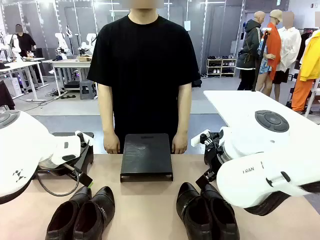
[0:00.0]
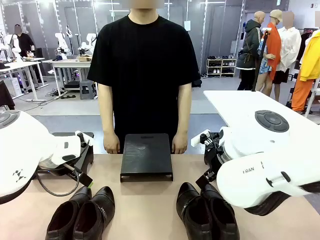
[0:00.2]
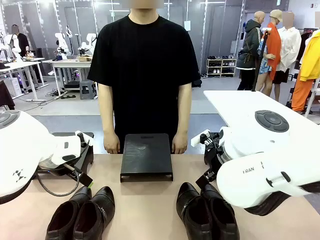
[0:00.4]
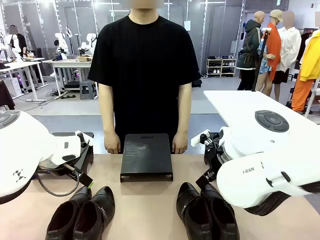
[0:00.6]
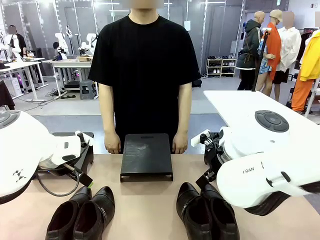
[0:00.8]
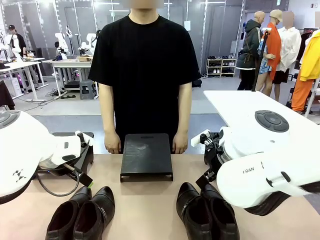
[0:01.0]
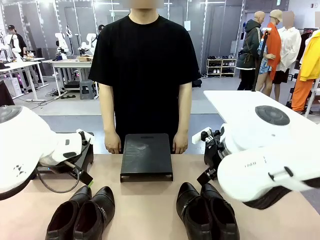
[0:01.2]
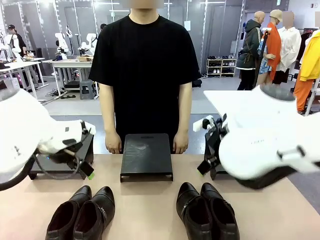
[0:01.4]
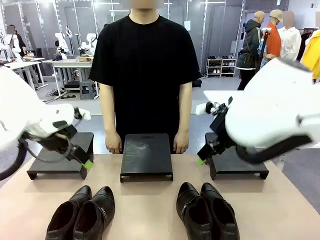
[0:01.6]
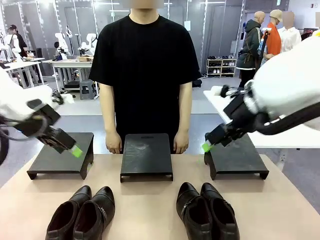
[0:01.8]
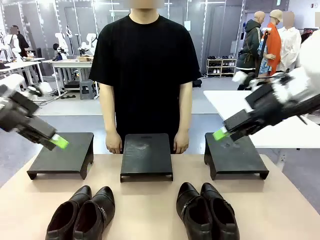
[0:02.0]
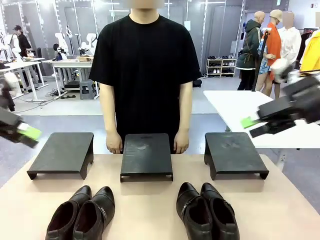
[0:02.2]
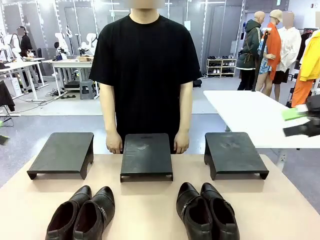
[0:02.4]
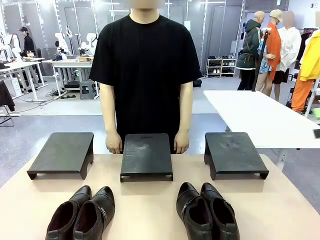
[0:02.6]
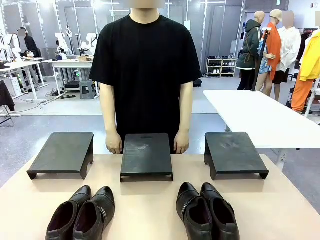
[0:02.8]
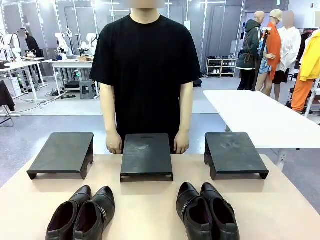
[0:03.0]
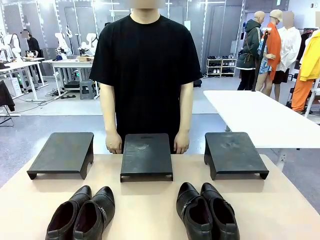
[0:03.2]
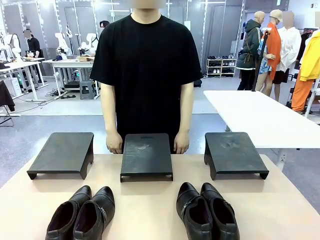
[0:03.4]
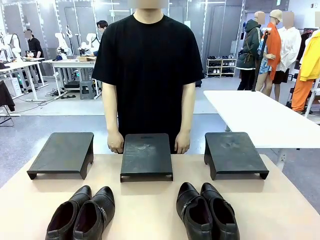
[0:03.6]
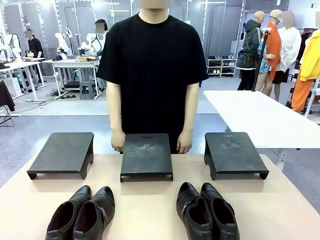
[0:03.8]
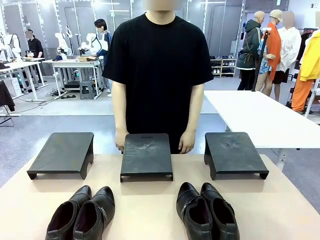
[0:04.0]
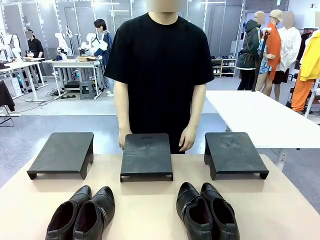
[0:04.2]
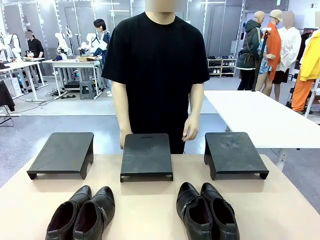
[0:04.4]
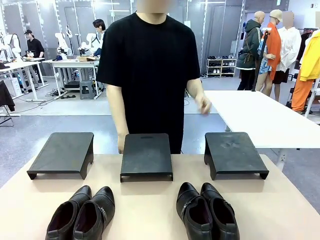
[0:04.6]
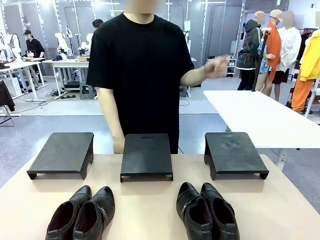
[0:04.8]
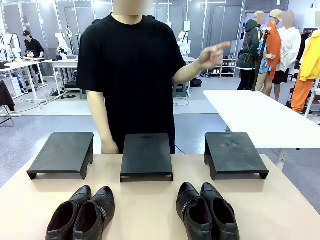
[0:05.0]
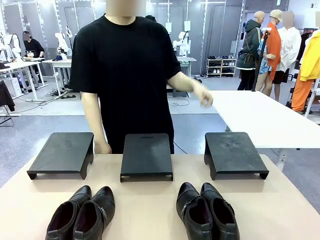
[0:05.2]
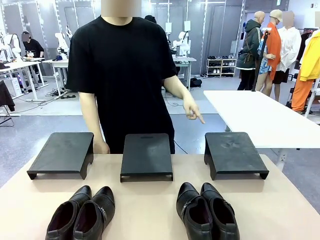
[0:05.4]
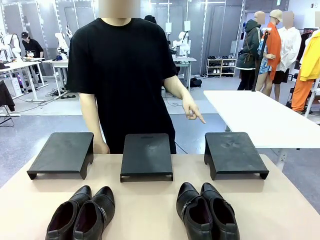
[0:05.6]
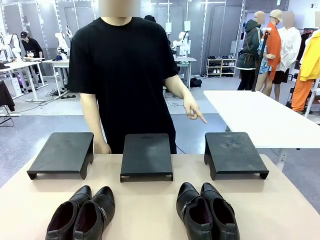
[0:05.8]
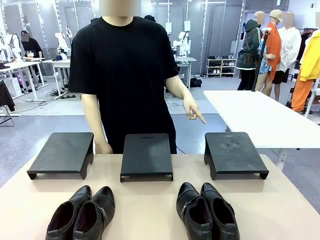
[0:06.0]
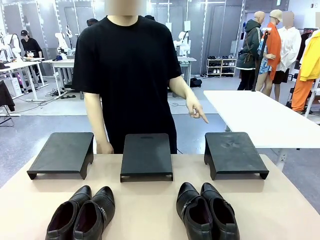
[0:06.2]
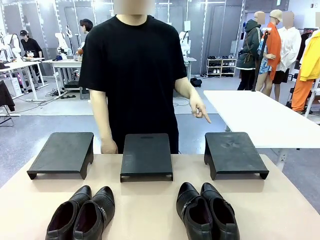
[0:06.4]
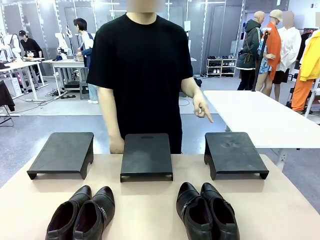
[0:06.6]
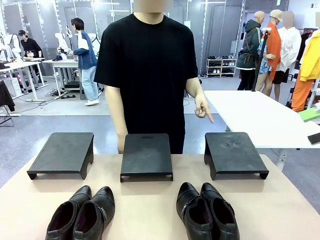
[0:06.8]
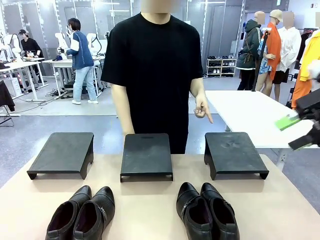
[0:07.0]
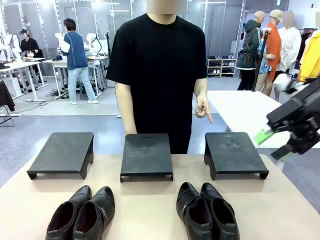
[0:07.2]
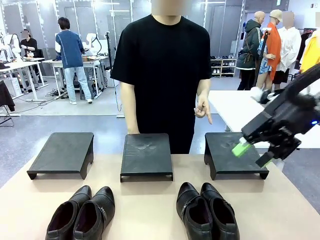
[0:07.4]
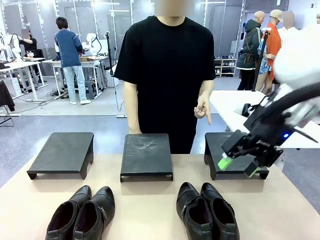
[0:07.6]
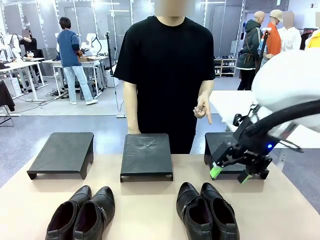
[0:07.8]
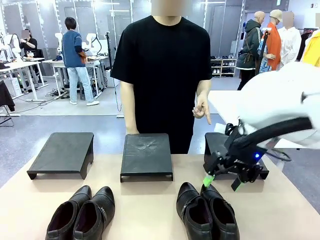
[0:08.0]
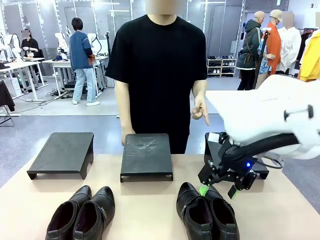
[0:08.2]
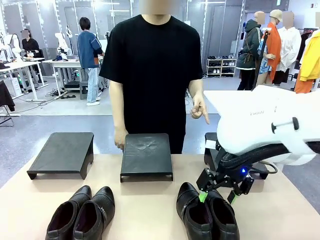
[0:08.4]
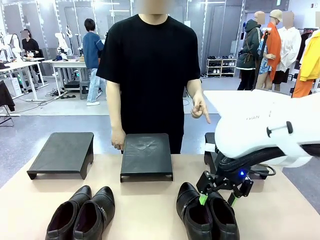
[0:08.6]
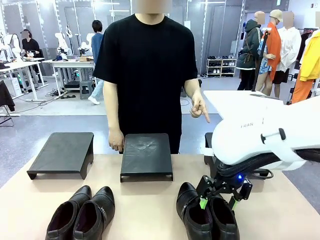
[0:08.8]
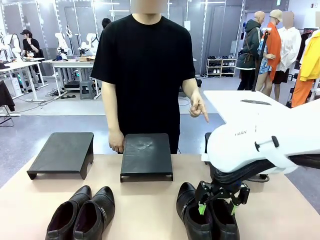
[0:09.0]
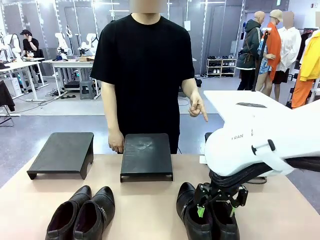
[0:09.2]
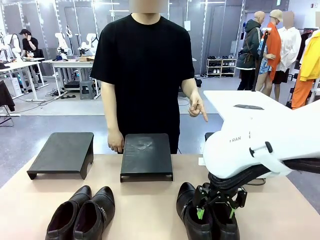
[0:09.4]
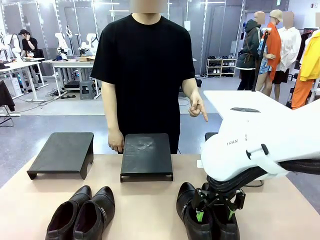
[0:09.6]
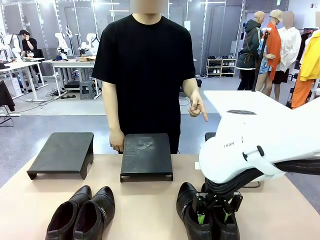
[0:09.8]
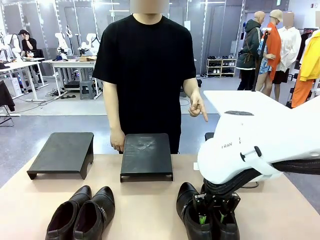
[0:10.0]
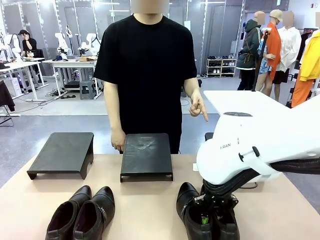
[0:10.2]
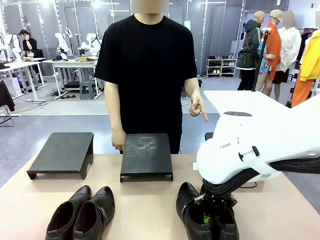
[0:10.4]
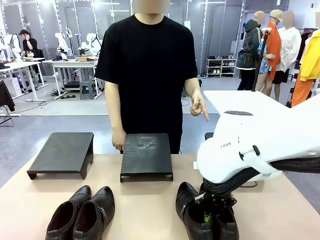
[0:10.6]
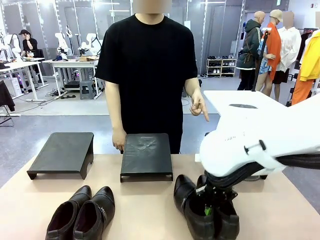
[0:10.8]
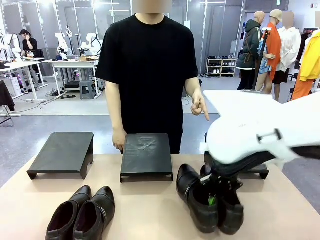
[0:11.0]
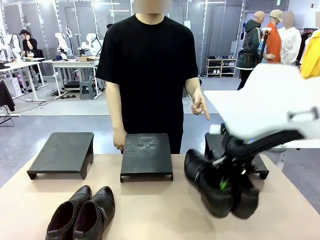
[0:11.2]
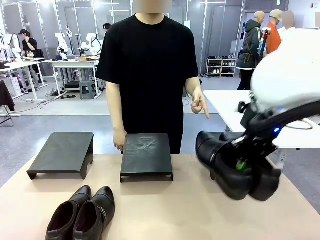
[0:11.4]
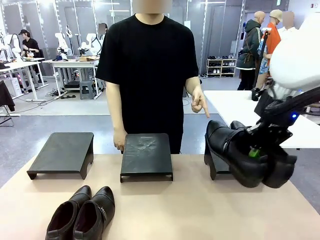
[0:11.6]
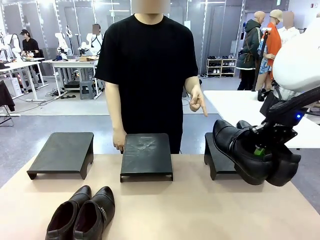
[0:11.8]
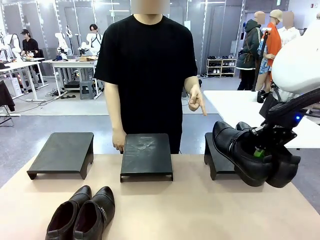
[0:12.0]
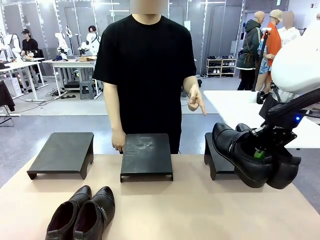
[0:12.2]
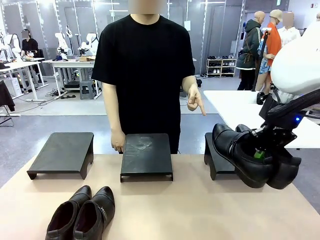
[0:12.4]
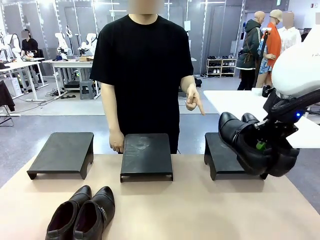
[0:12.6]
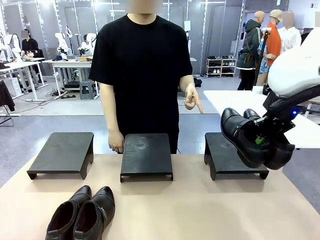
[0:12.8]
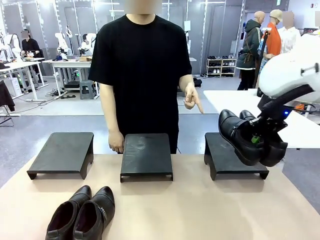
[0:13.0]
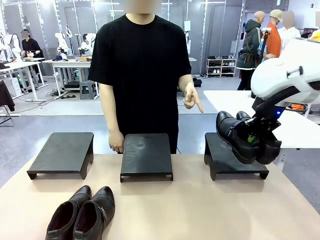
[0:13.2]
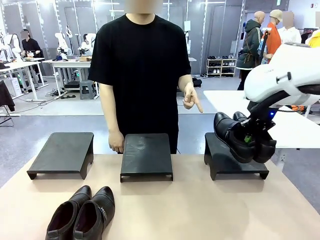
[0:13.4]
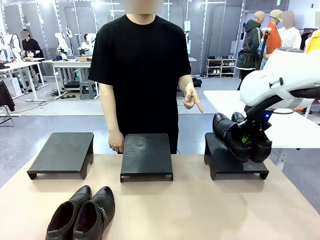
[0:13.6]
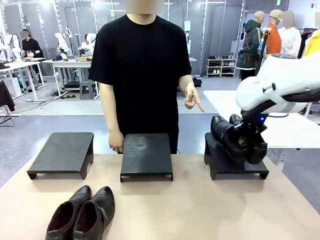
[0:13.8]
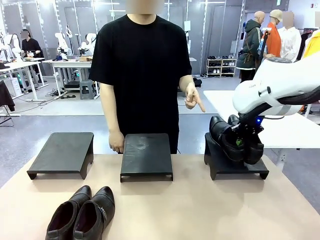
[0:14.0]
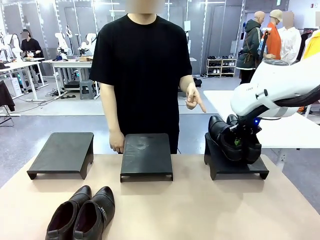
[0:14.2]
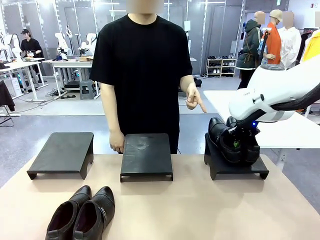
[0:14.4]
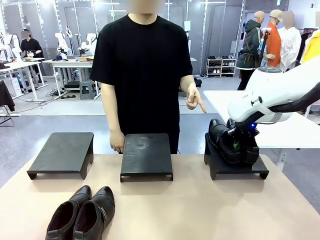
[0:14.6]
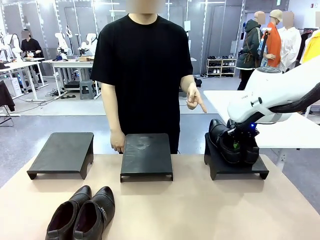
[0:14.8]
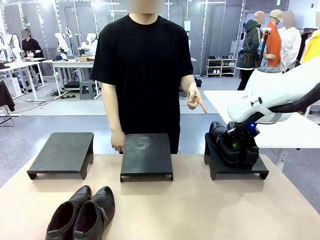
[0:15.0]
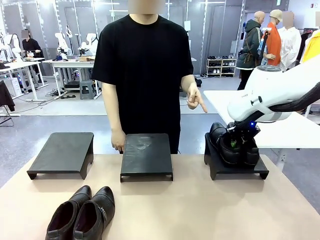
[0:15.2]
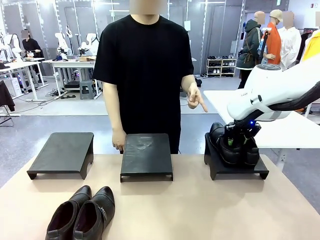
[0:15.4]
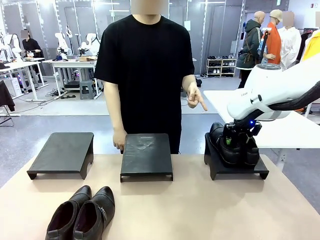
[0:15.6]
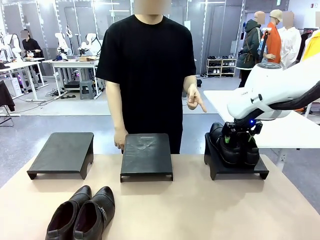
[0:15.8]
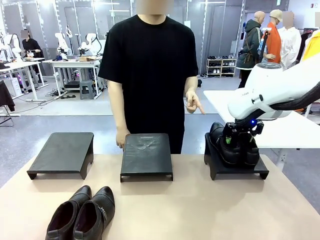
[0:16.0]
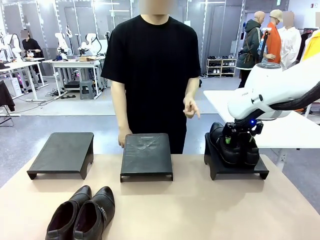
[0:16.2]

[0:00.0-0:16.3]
Task: Place the shoes on the stand as instructed by the person.
Robot: Pick up one pair of Shoes and place it on the Shoes Stand indicated by the person.
